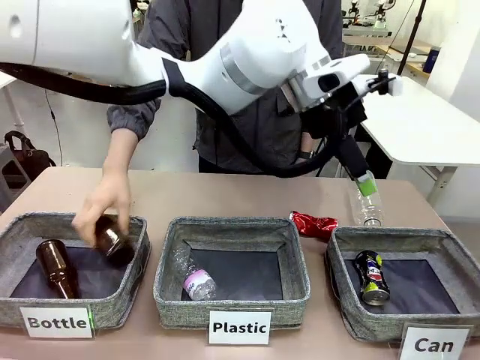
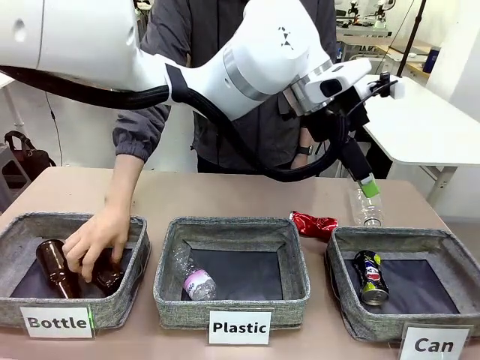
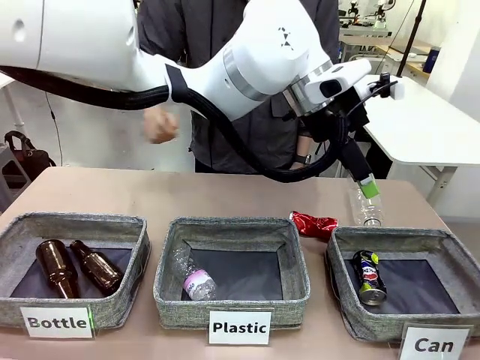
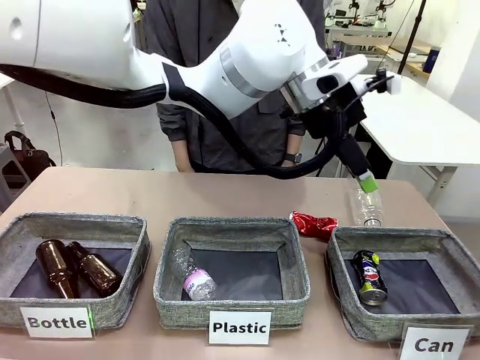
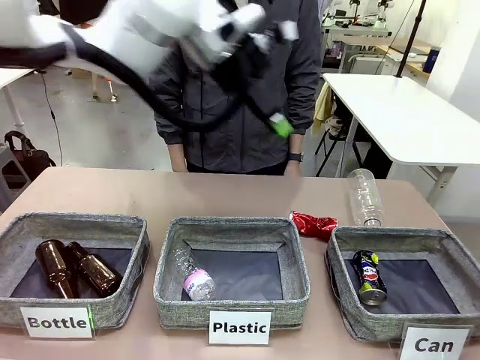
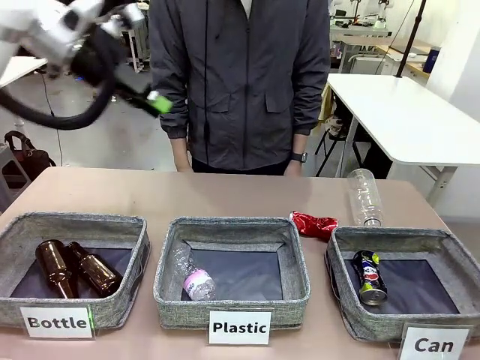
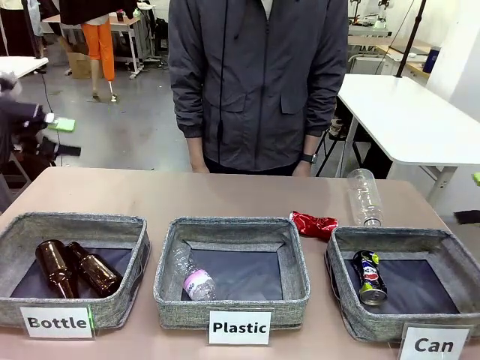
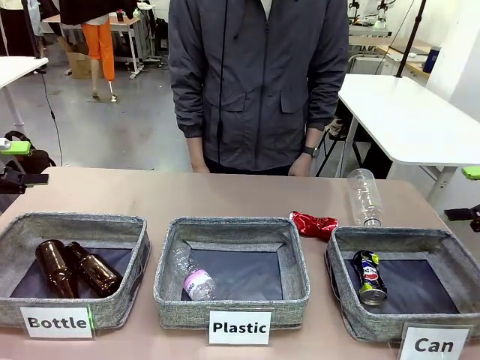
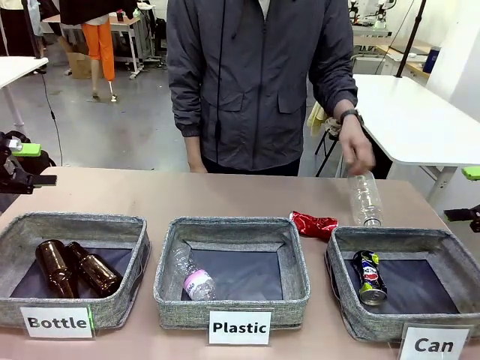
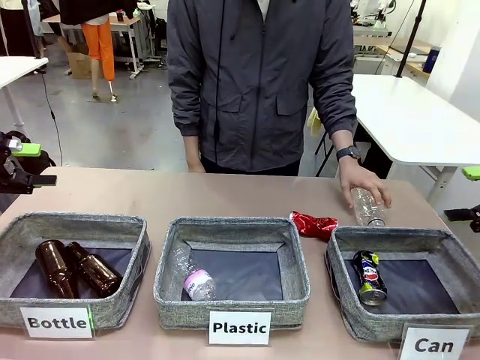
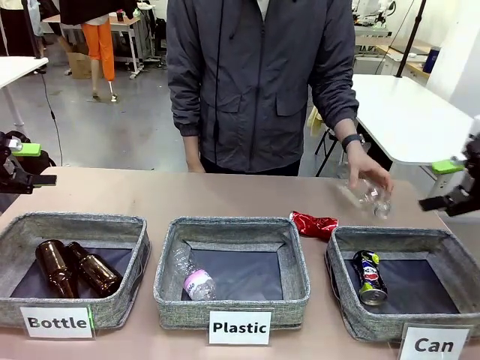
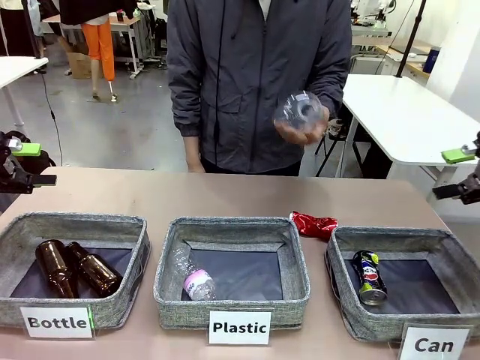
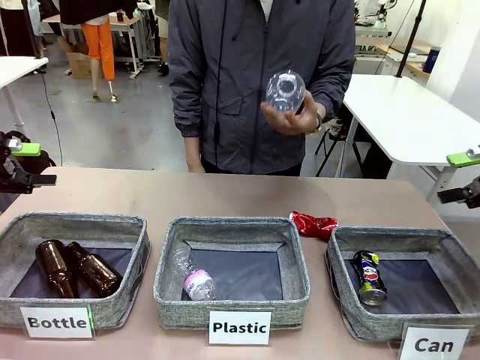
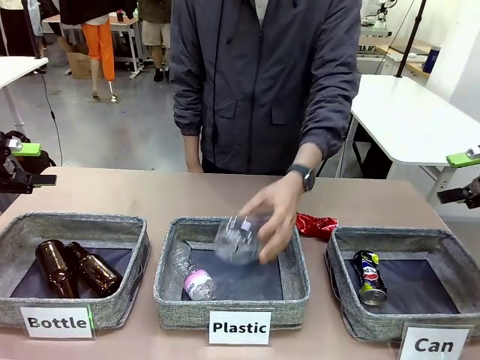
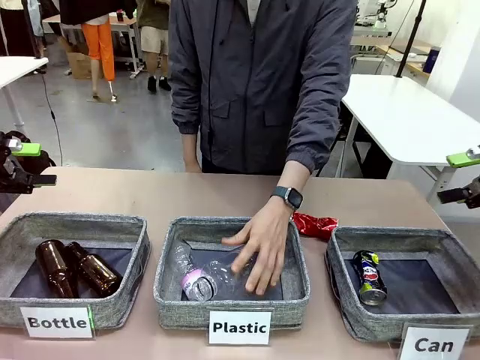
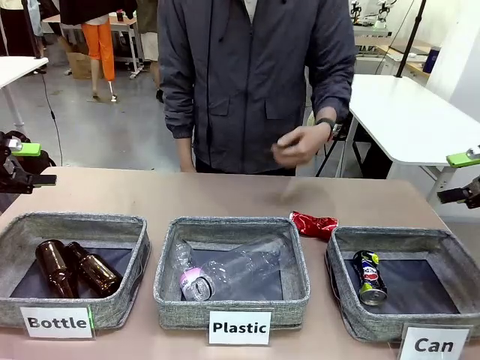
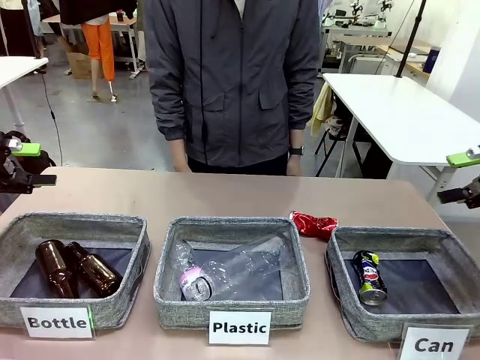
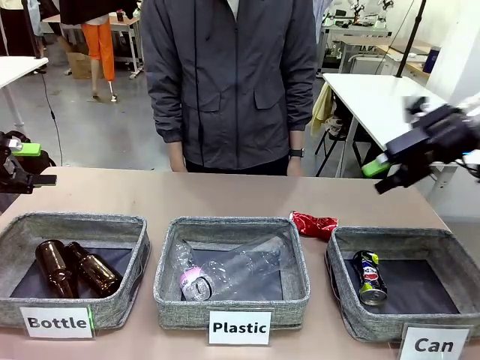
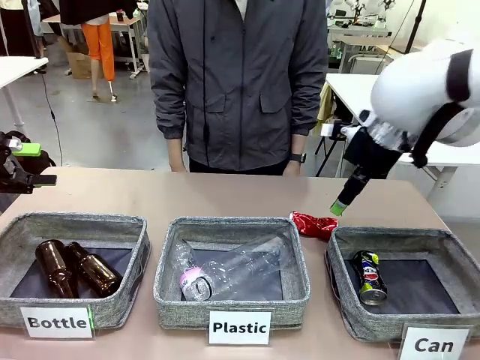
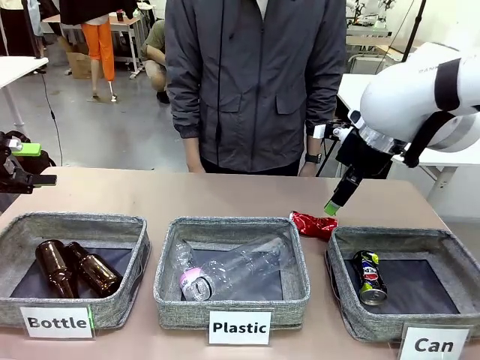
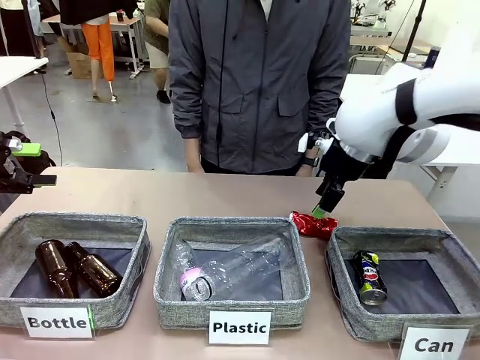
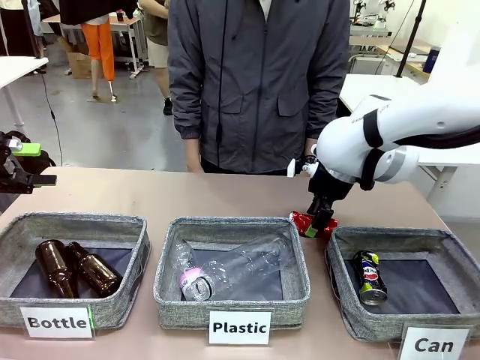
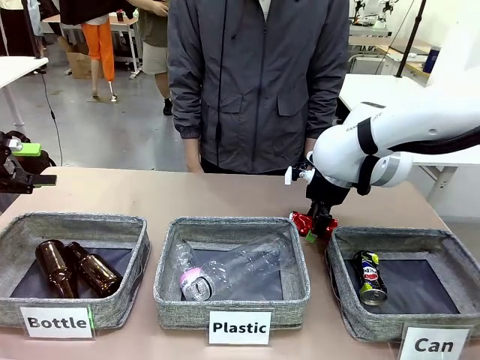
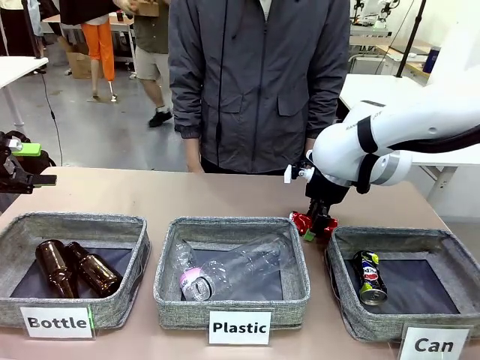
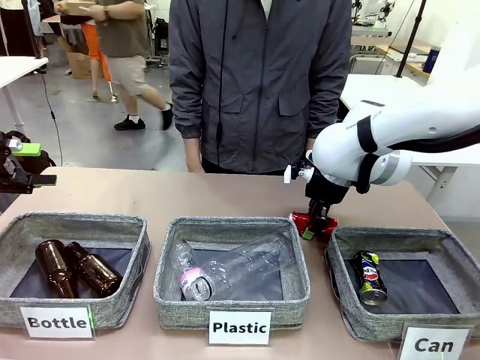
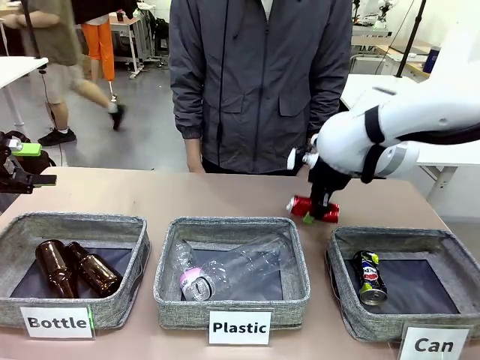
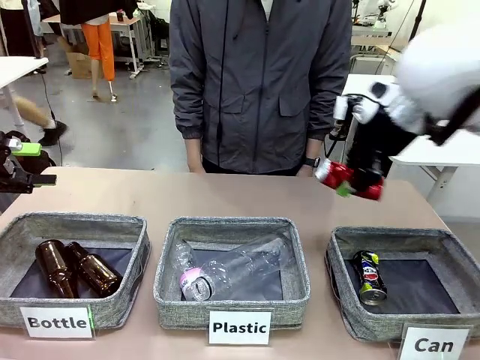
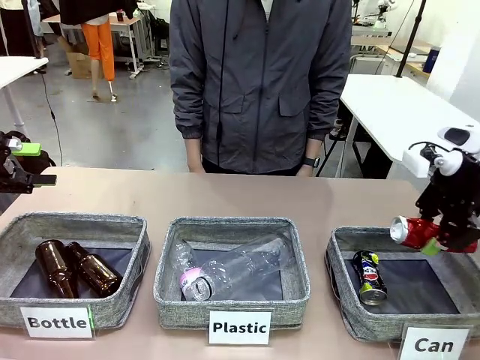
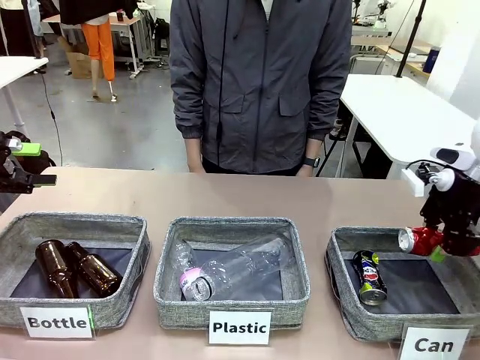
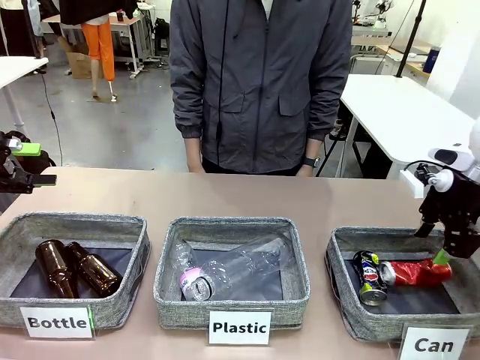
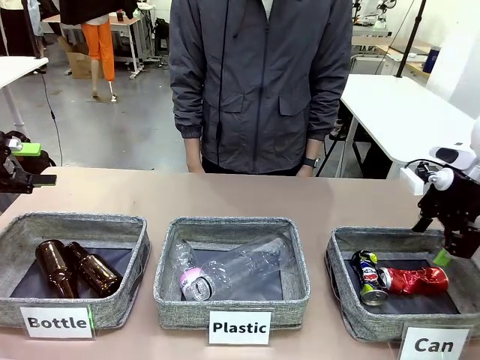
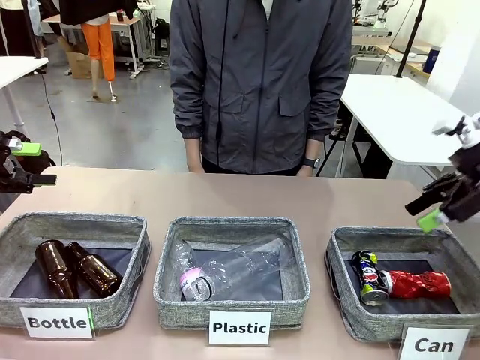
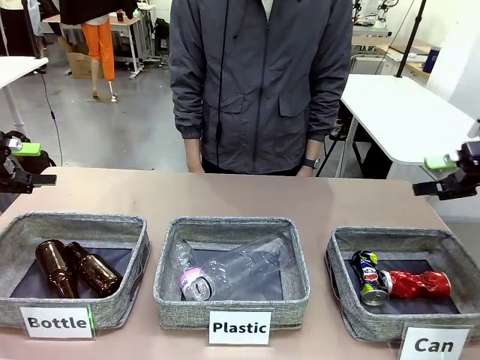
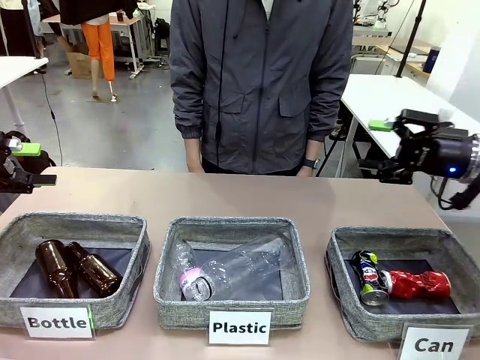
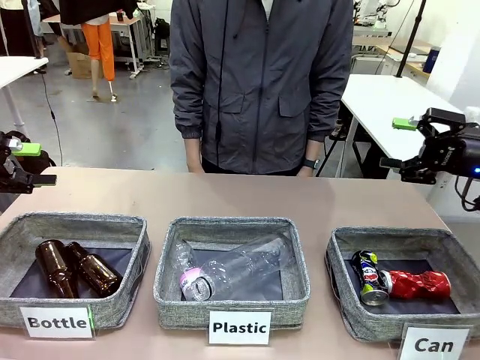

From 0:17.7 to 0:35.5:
Task: Sort the can waste into the basket.
Robot: Pick up the can waste from the table and place it in the right Fabric basket.
Person: The human picks up one piece of trash that is not a can and places the trash into the appropriate organizing basket.
